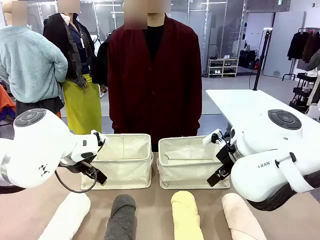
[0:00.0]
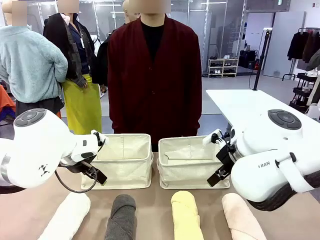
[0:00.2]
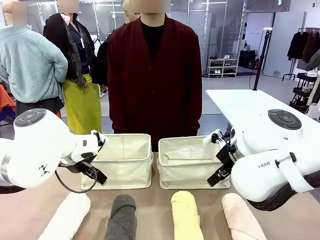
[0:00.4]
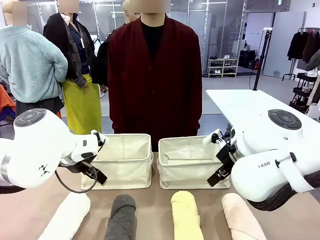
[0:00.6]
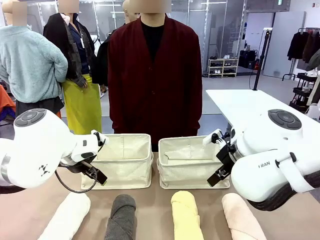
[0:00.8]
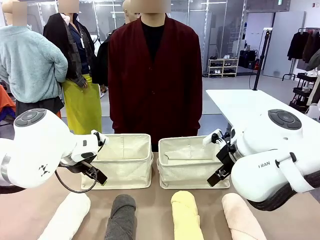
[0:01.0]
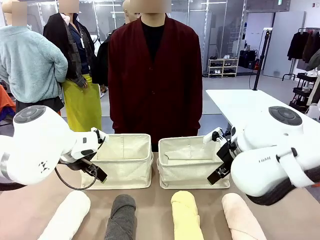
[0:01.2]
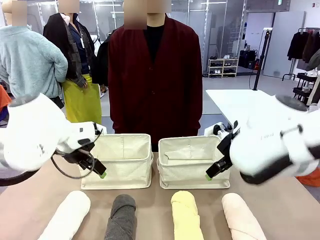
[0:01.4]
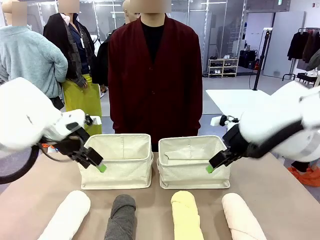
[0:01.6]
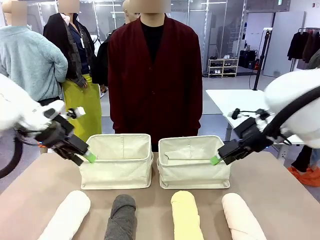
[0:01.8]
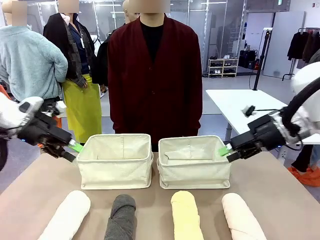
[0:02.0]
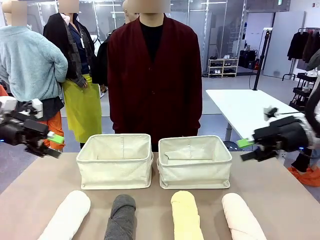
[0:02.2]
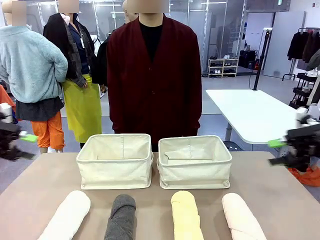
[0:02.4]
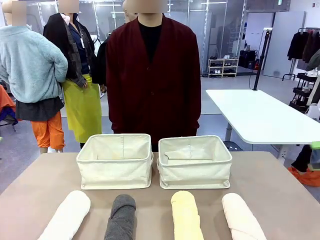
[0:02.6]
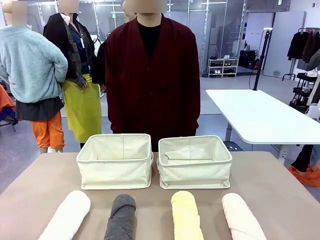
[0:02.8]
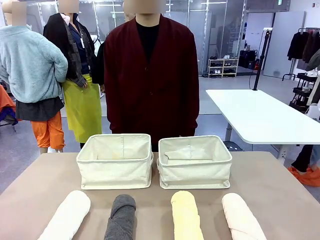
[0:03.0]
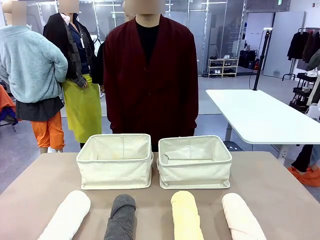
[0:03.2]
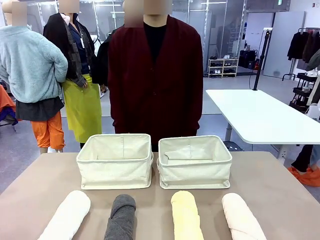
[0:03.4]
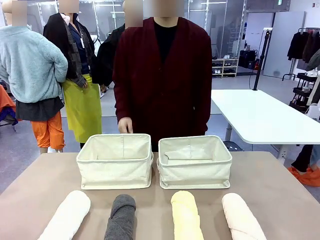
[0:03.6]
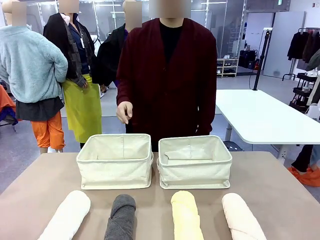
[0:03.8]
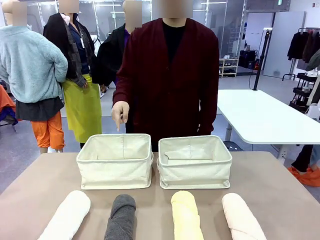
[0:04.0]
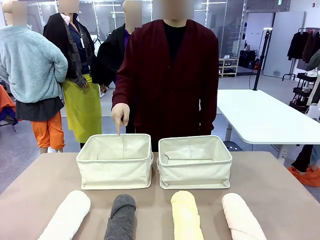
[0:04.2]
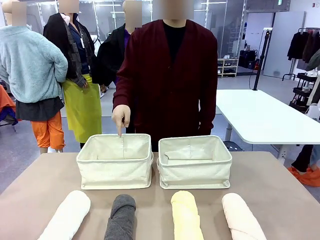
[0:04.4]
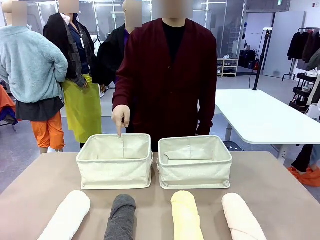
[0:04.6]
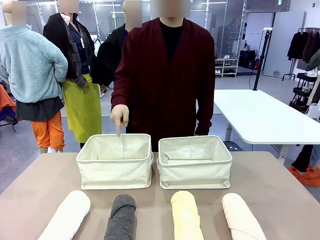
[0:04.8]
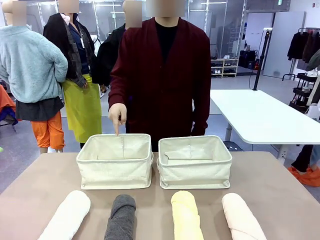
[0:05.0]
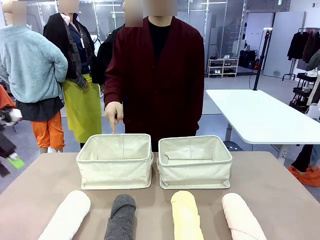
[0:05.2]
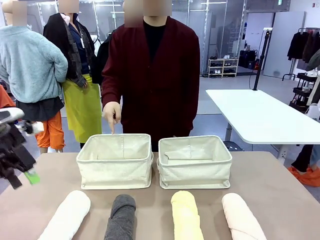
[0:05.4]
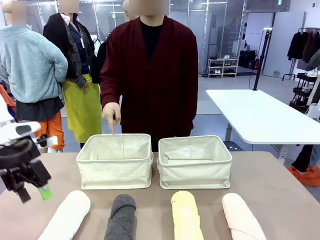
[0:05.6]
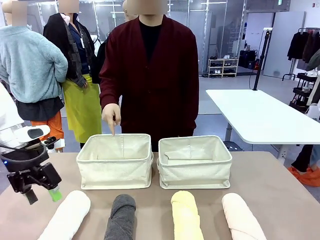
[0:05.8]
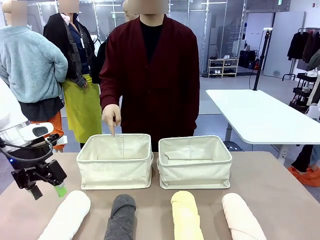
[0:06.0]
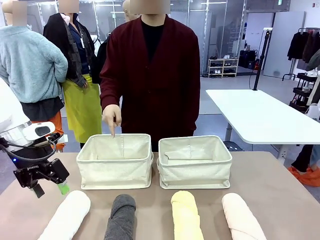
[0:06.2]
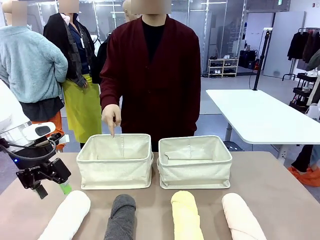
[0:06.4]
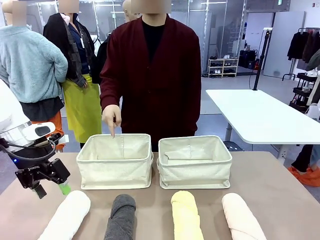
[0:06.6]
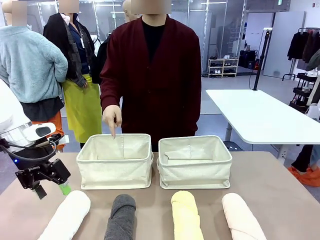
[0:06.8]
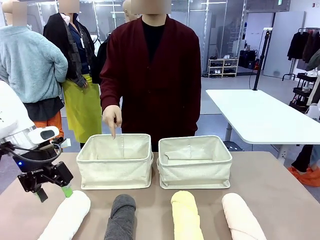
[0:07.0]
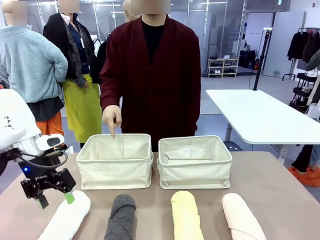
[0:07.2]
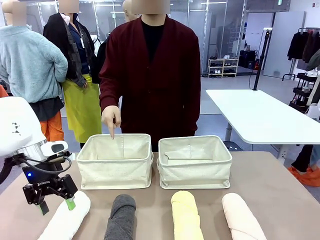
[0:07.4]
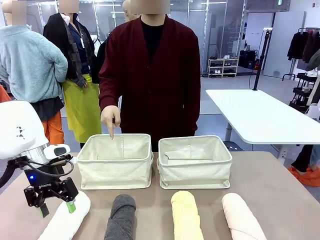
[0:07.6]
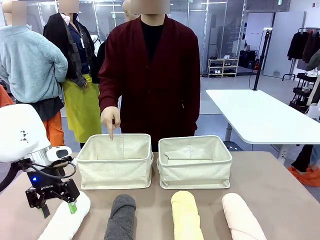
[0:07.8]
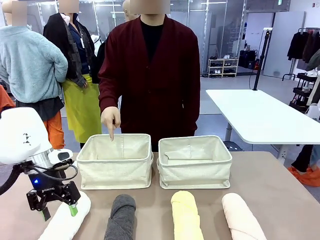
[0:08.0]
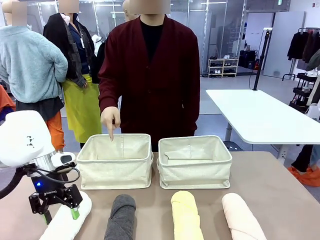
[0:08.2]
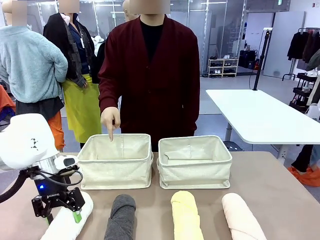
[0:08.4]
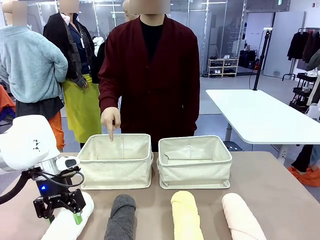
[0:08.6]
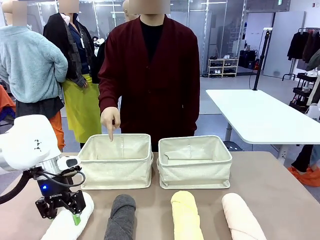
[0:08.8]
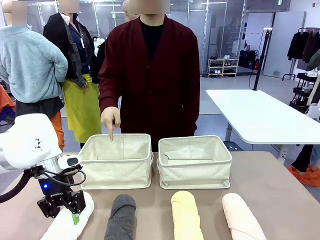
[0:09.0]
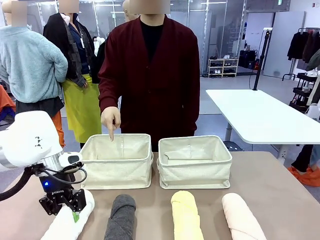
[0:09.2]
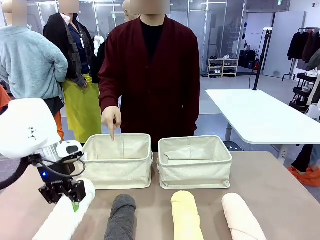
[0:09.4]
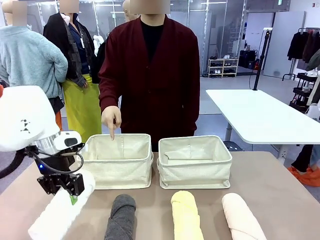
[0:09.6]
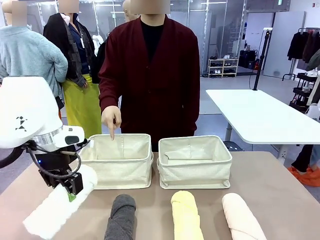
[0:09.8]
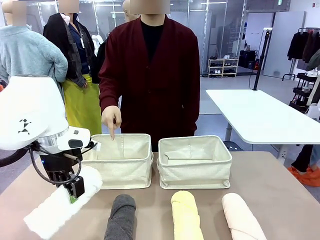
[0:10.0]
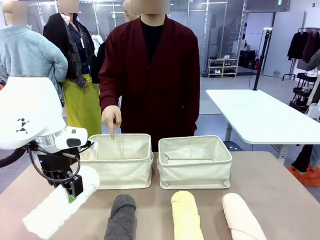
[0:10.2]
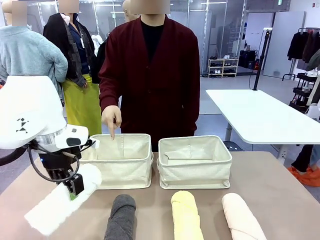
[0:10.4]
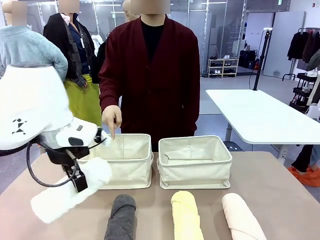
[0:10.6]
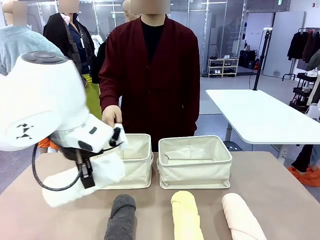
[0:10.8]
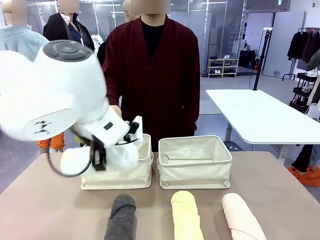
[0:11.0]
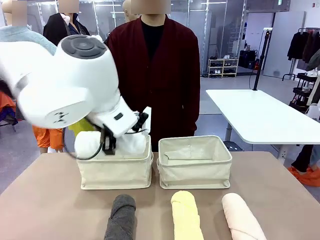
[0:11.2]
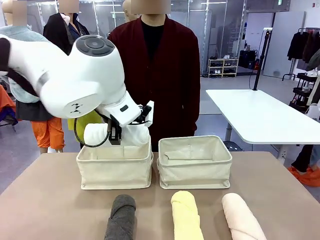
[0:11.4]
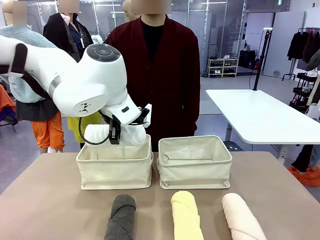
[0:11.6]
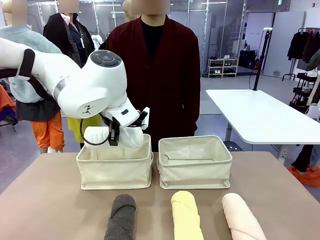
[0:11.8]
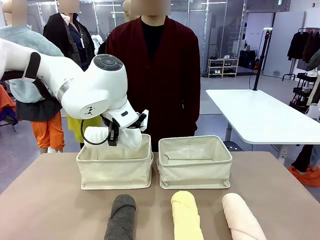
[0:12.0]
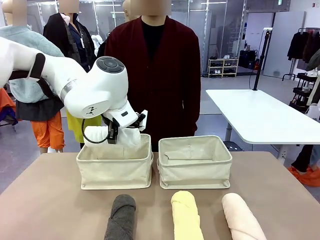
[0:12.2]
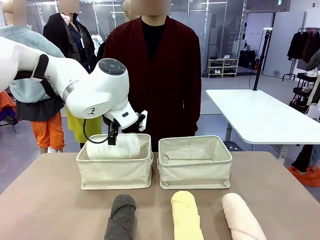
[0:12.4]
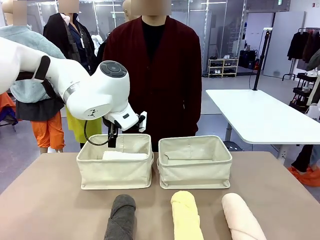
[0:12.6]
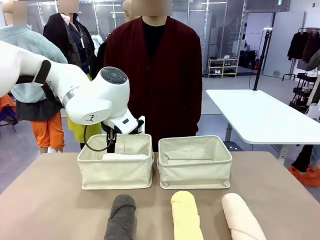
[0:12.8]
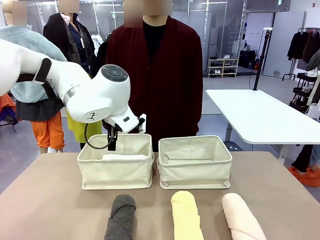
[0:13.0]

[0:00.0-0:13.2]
Task: Divide the towels into two baskets.
Robot: Pick up one hotel-folded towel and place it in the Fabric basket indicated by the person.
